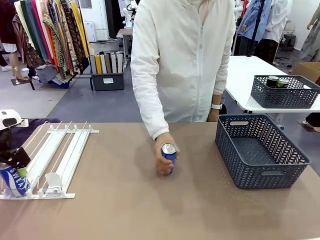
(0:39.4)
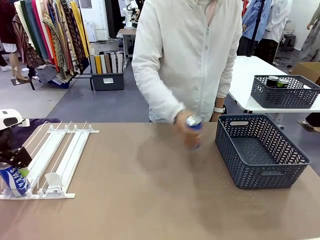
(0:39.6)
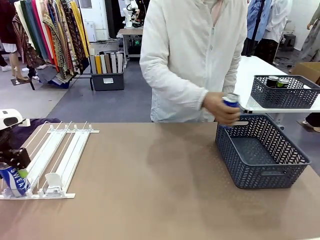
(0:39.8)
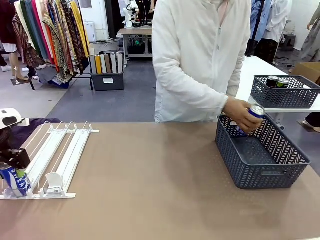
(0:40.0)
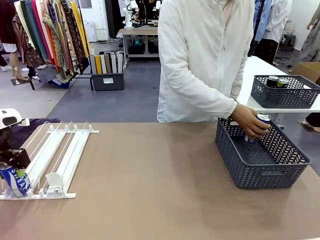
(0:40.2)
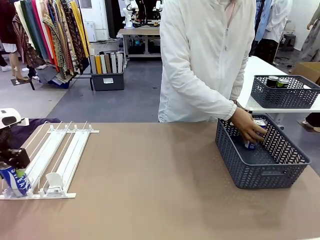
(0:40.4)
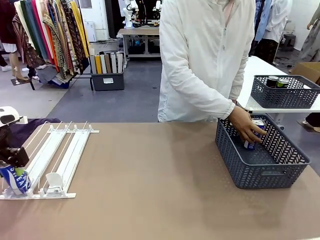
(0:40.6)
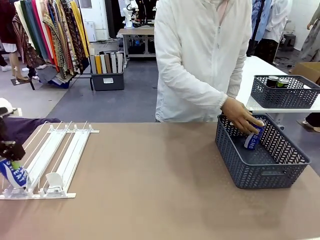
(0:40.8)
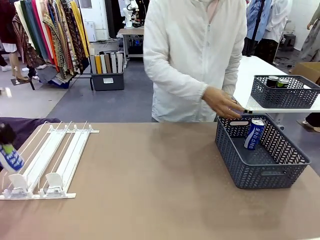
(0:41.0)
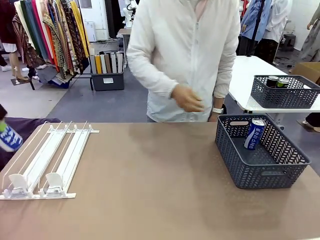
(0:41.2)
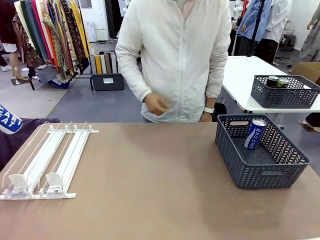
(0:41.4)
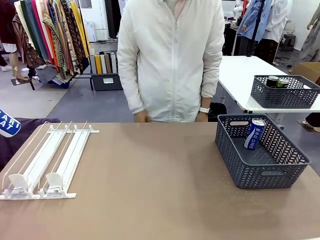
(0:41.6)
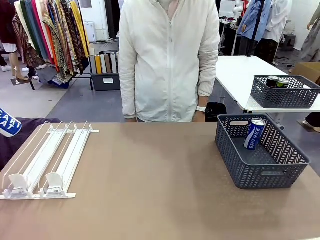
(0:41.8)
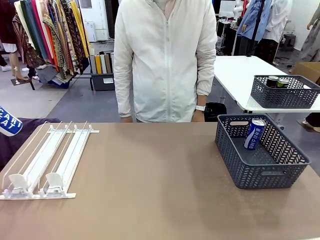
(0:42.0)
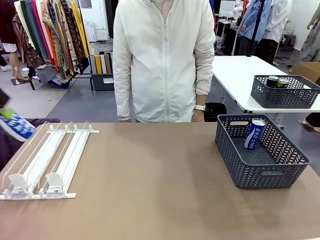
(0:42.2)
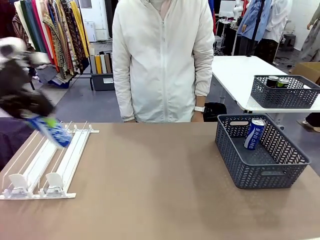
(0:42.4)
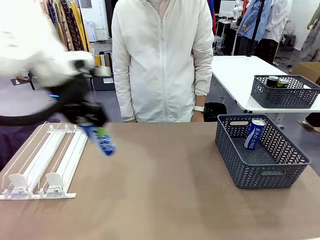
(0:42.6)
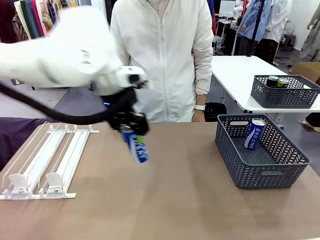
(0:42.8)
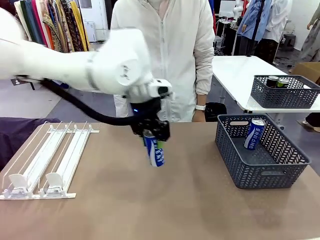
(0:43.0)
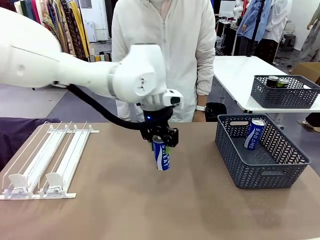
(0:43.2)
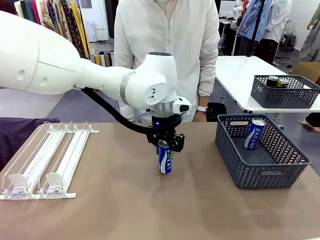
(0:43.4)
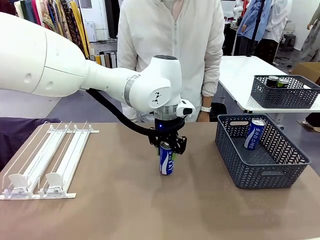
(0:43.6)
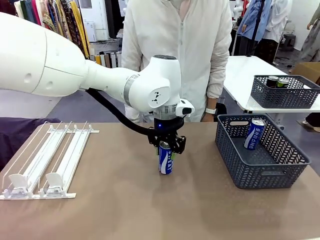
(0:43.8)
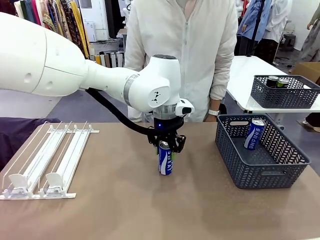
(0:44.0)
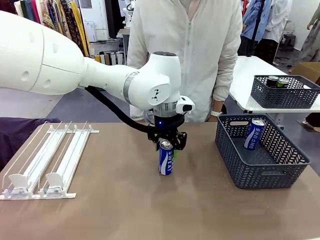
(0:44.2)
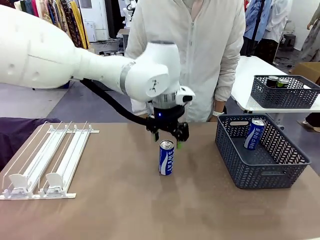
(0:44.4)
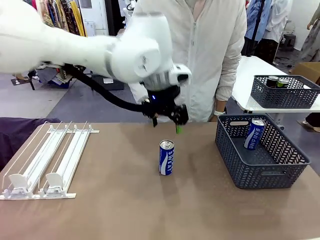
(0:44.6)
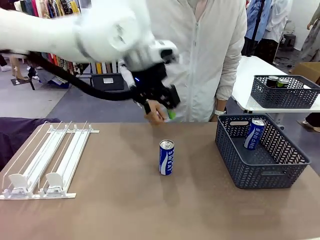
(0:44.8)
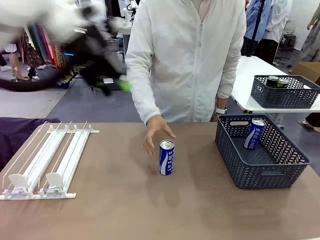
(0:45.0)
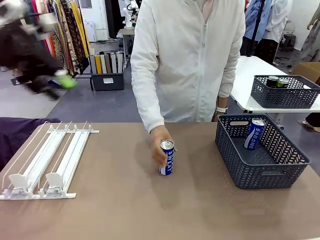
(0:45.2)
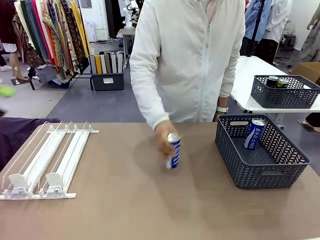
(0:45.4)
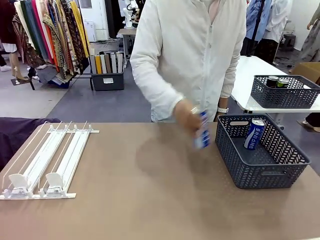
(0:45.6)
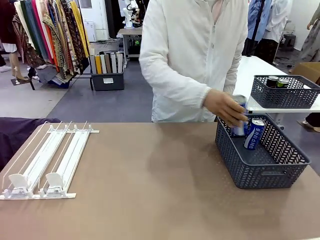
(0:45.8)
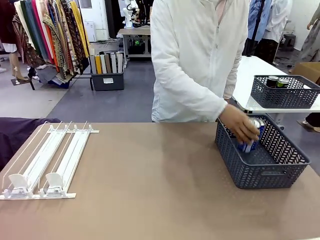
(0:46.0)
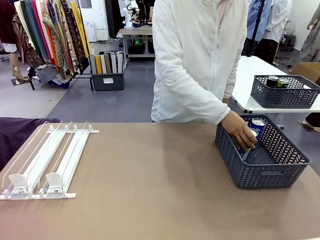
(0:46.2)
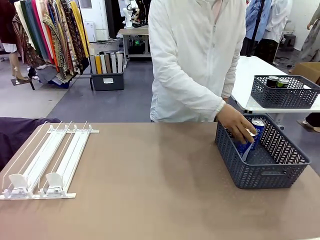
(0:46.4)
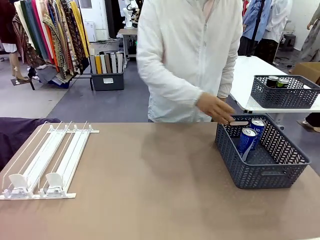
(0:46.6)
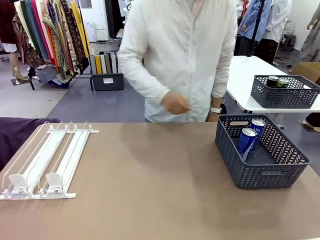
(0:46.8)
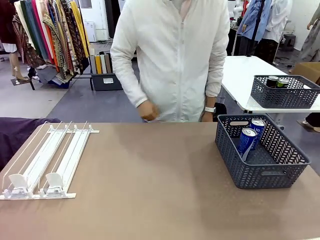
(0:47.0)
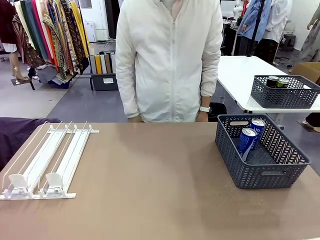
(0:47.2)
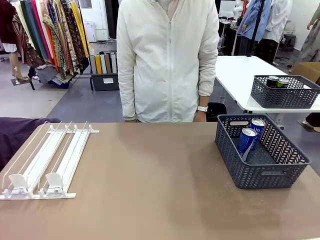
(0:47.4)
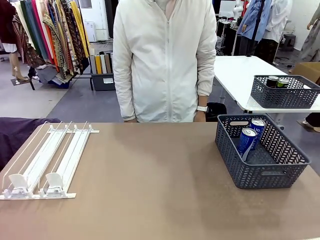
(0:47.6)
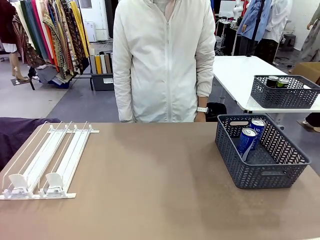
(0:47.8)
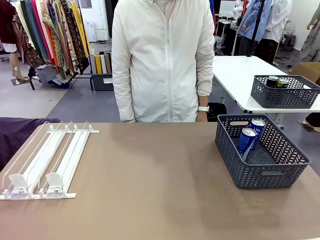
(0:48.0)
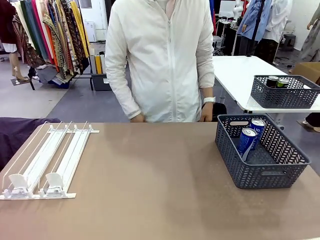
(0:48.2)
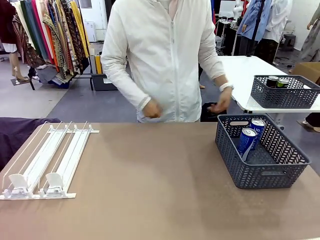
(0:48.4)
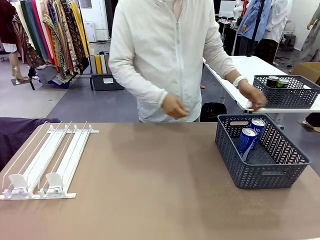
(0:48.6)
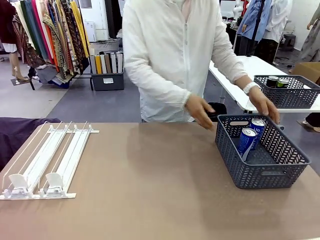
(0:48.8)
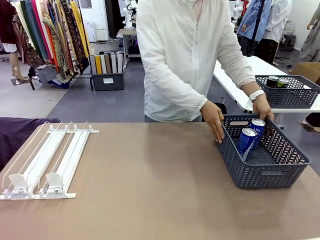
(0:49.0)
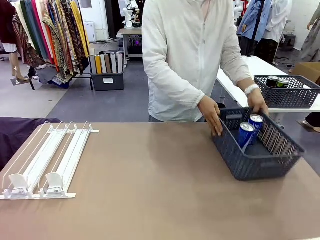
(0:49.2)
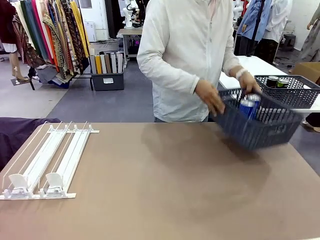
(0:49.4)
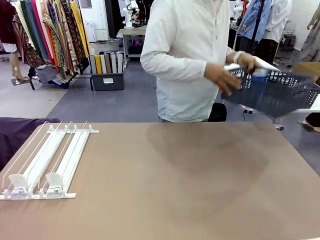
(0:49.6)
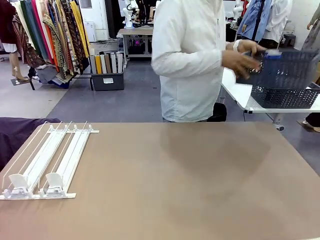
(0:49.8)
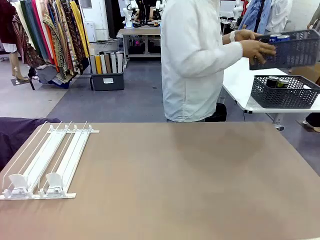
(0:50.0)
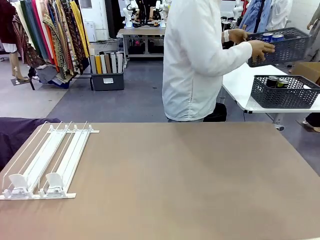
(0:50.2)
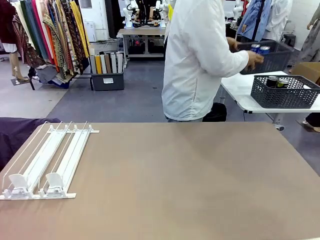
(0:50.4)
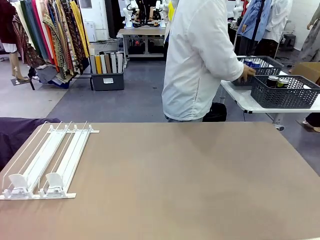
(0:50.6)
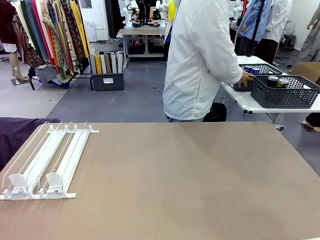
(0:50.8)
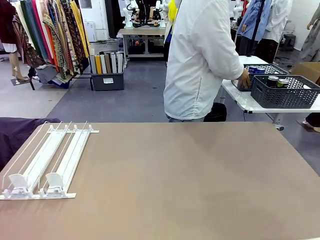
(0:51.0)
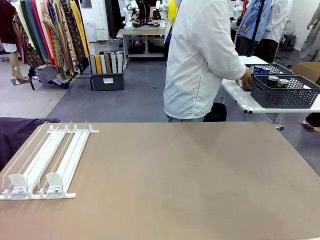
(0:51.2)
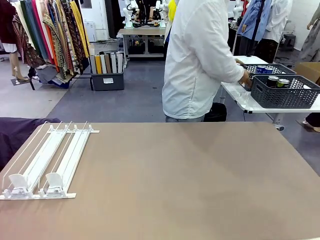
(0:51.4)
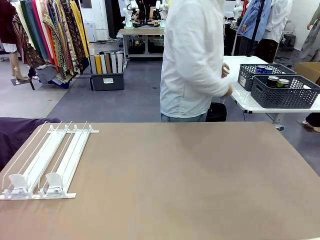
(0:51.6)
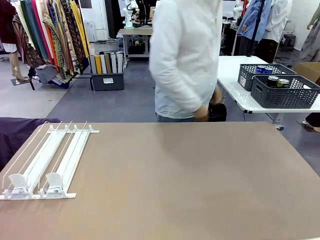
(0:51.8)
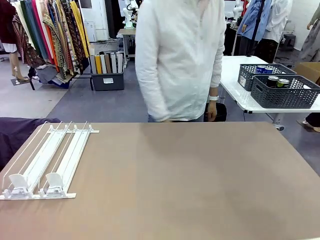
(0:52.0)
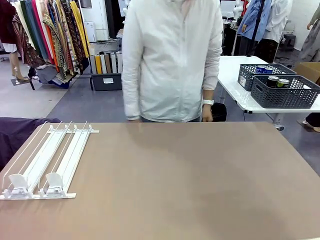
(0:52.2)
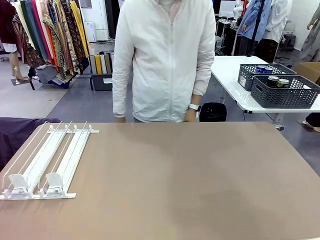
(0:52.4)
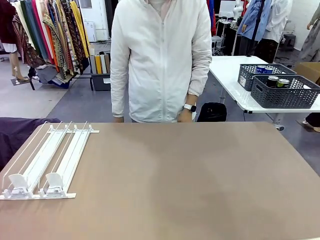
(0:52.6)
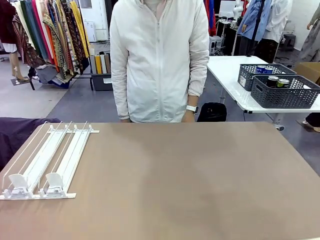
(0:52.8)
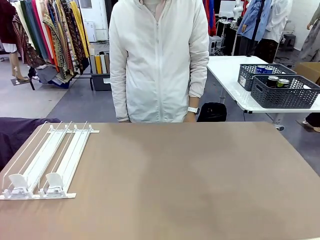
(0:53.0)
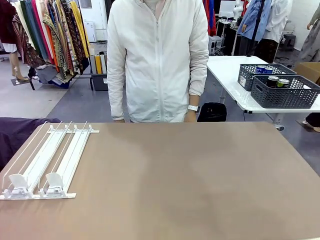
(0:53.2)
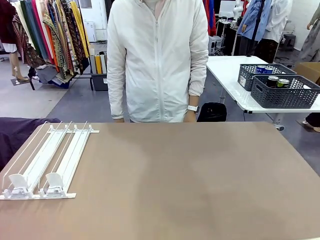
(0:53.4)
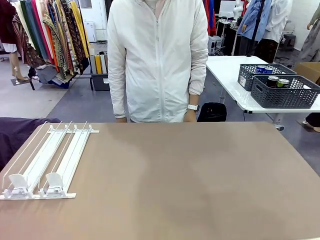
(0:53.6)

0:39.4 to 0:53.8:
Task: Retrieve and store the cans from the dispenser.
Robot: Pick up one can from the Automatic Can Dispenser and place it in the middle of the table.
Person: Pick up one sports drink can from the middle of the robot table and place it in the basket. Pick up the basket and place it in the middle of the human table.
